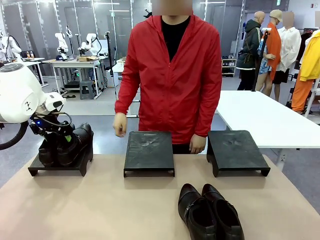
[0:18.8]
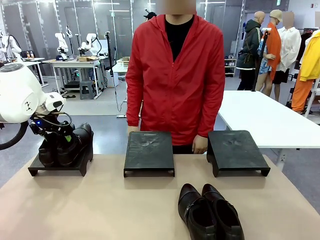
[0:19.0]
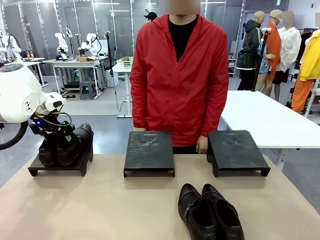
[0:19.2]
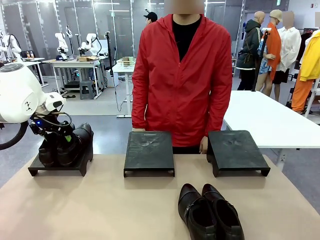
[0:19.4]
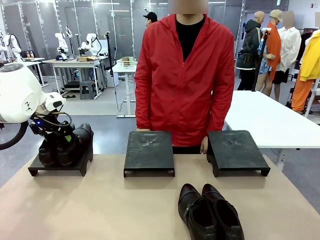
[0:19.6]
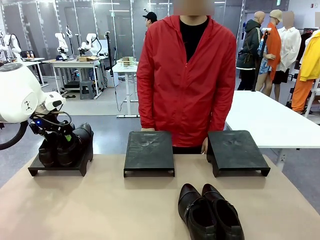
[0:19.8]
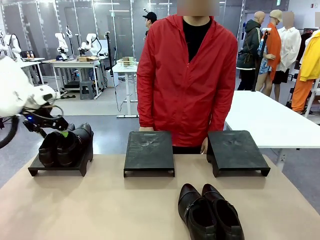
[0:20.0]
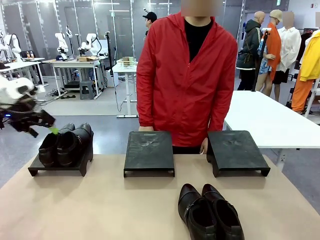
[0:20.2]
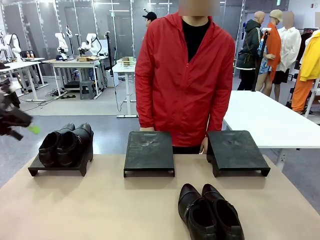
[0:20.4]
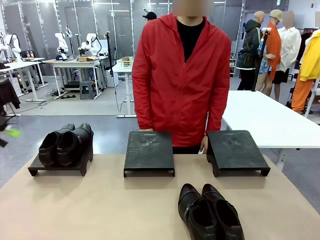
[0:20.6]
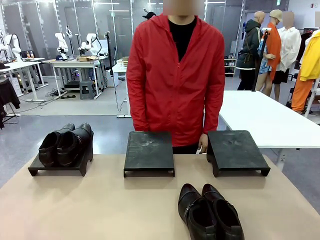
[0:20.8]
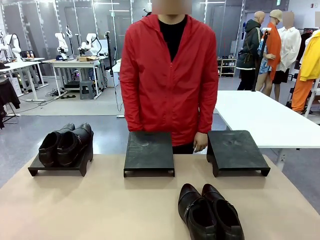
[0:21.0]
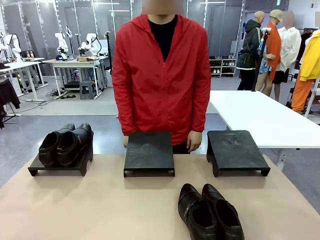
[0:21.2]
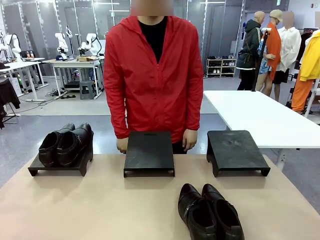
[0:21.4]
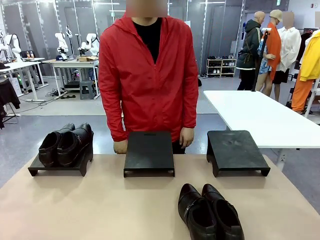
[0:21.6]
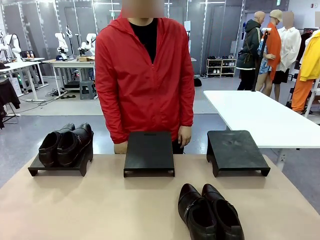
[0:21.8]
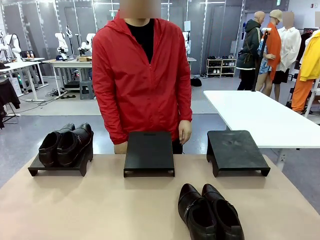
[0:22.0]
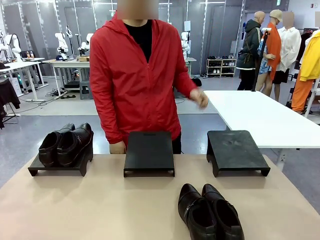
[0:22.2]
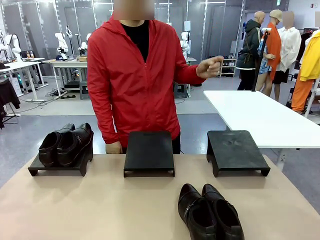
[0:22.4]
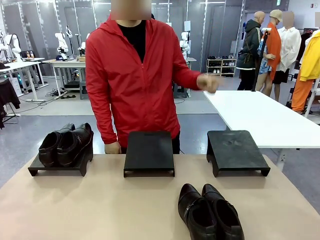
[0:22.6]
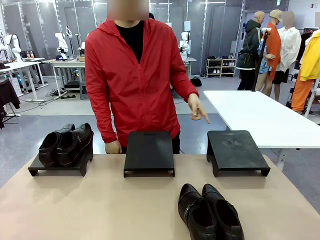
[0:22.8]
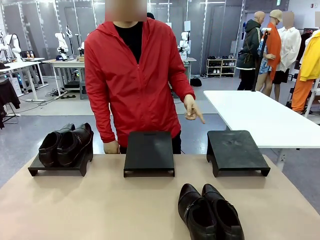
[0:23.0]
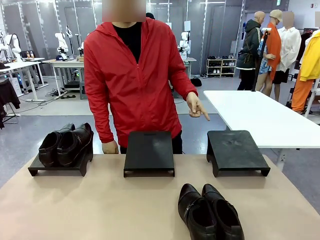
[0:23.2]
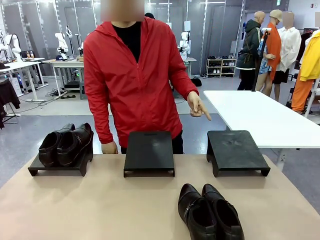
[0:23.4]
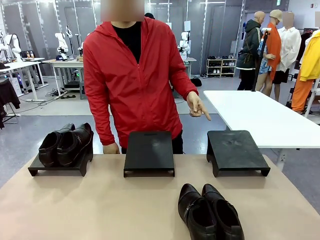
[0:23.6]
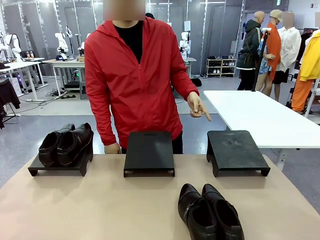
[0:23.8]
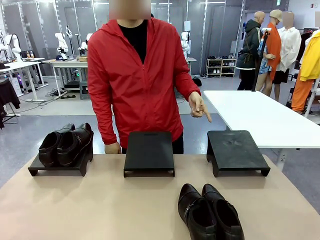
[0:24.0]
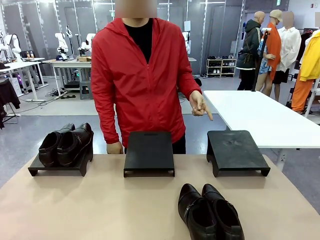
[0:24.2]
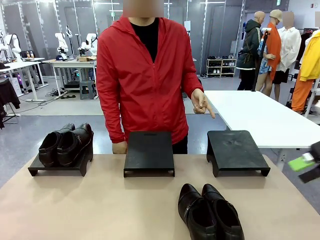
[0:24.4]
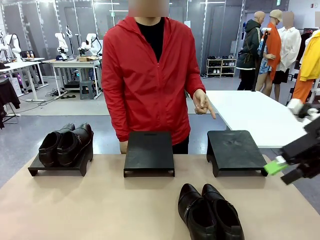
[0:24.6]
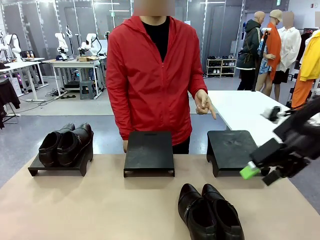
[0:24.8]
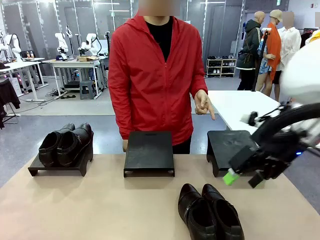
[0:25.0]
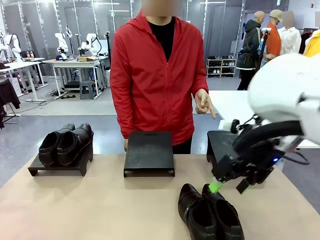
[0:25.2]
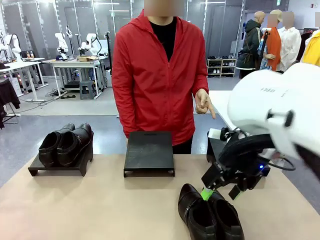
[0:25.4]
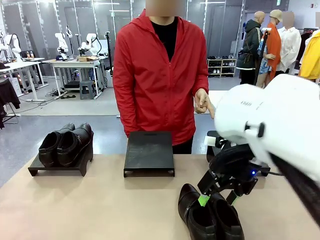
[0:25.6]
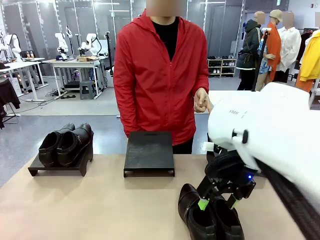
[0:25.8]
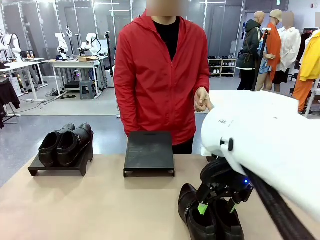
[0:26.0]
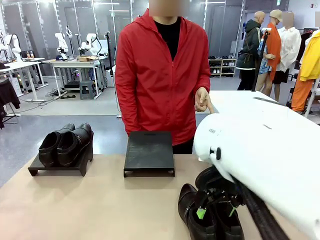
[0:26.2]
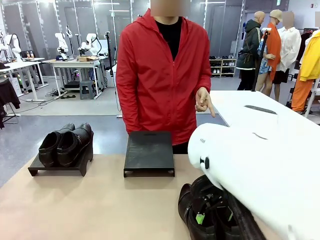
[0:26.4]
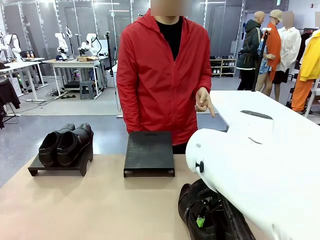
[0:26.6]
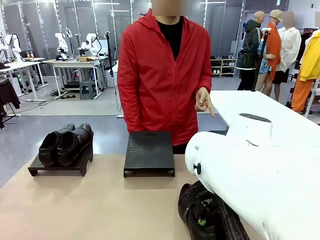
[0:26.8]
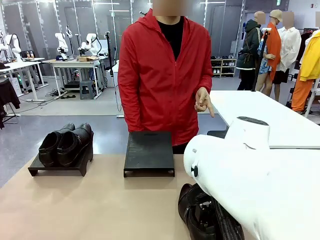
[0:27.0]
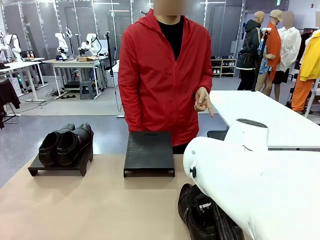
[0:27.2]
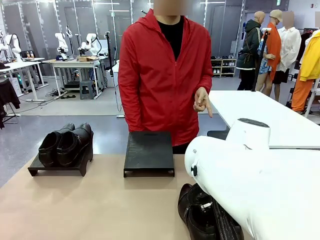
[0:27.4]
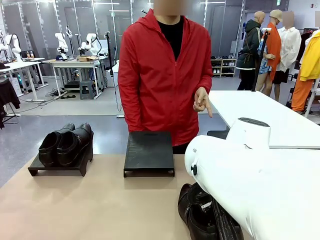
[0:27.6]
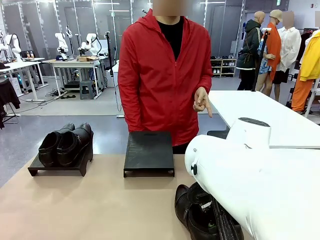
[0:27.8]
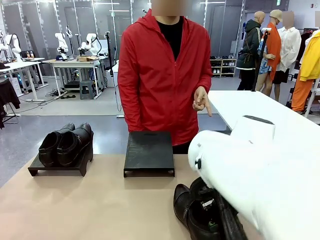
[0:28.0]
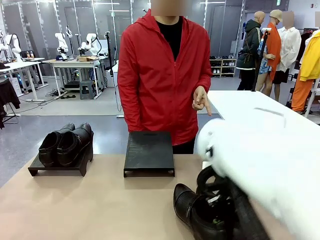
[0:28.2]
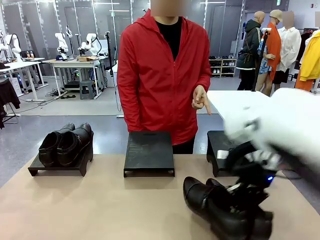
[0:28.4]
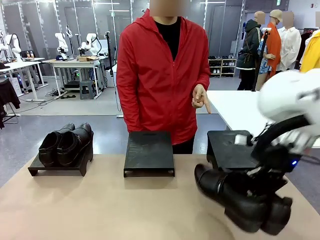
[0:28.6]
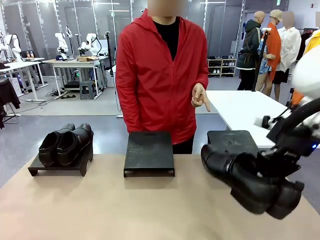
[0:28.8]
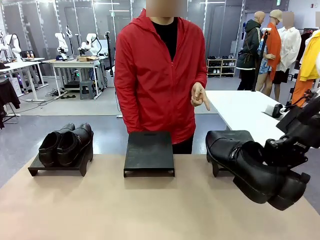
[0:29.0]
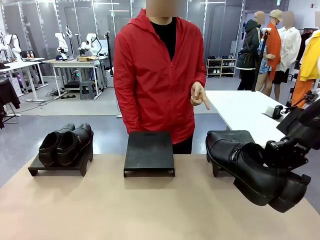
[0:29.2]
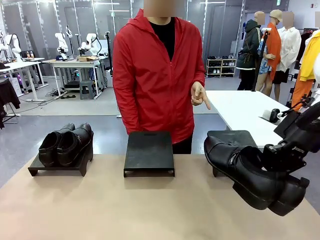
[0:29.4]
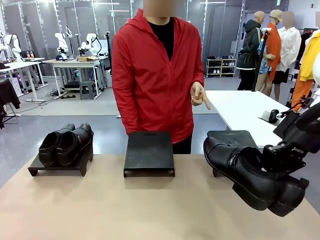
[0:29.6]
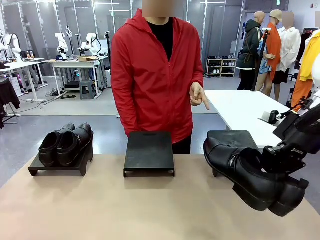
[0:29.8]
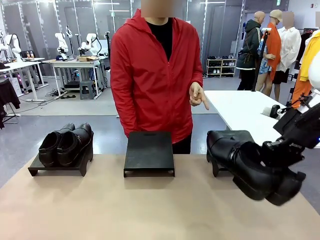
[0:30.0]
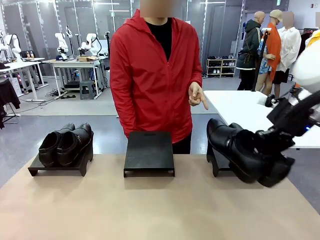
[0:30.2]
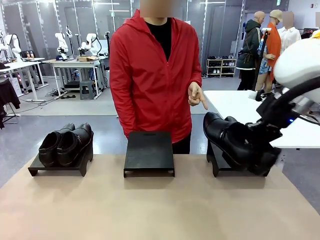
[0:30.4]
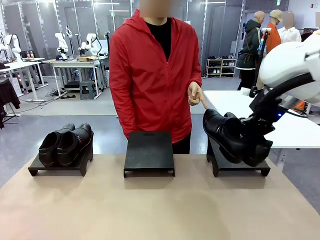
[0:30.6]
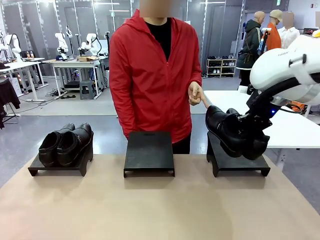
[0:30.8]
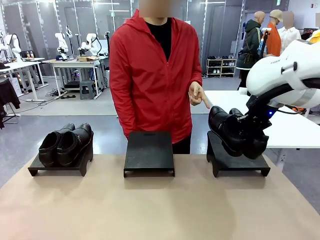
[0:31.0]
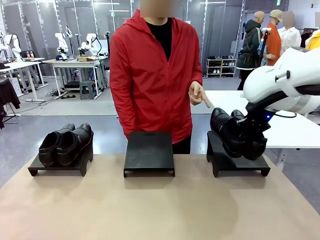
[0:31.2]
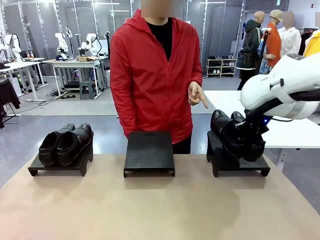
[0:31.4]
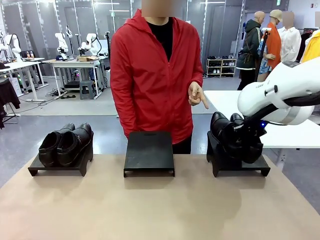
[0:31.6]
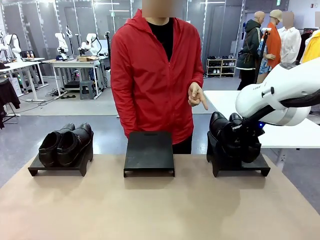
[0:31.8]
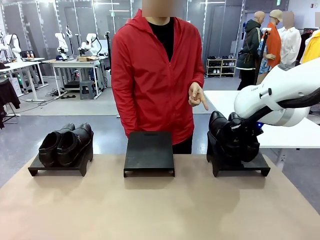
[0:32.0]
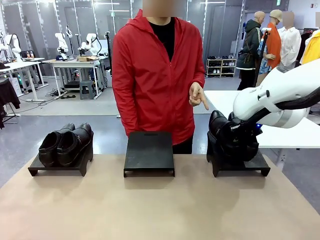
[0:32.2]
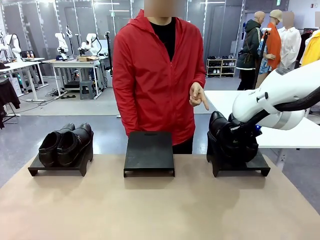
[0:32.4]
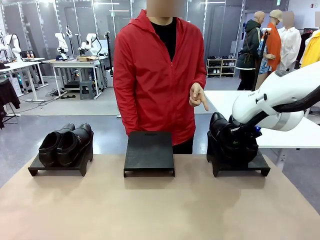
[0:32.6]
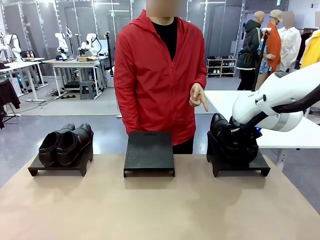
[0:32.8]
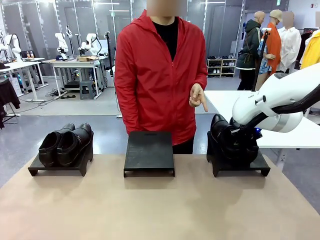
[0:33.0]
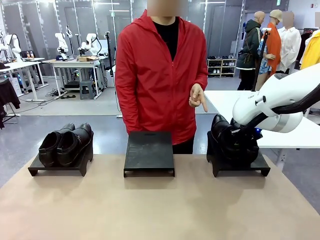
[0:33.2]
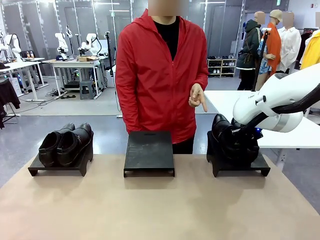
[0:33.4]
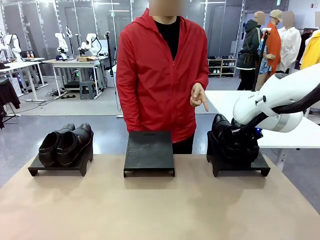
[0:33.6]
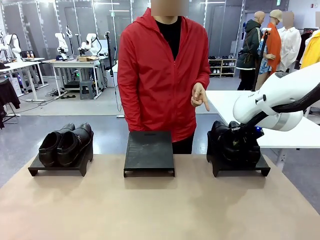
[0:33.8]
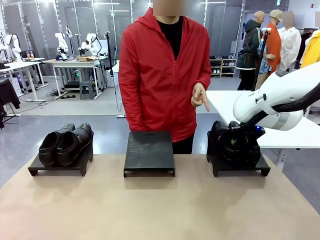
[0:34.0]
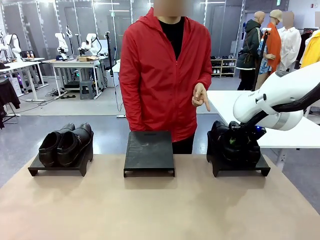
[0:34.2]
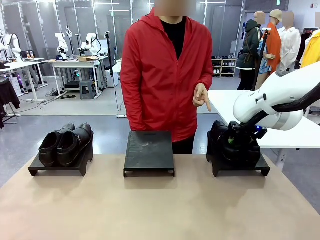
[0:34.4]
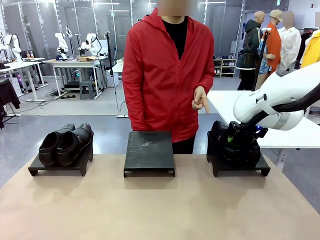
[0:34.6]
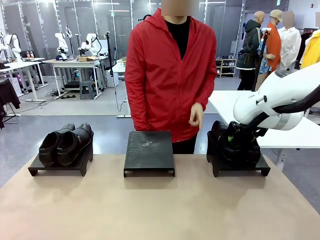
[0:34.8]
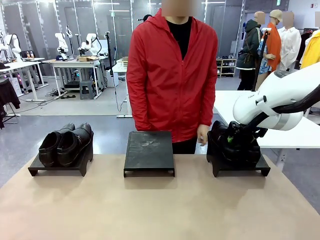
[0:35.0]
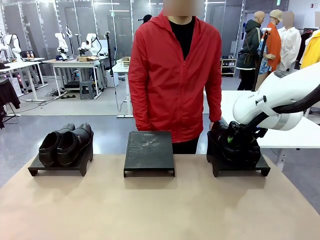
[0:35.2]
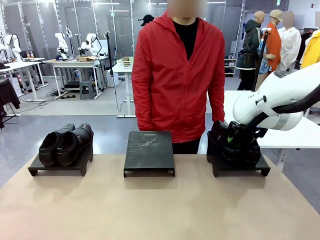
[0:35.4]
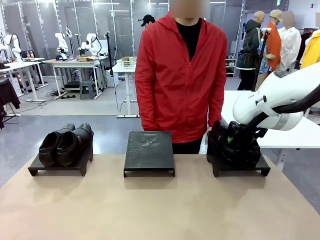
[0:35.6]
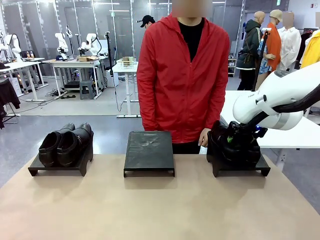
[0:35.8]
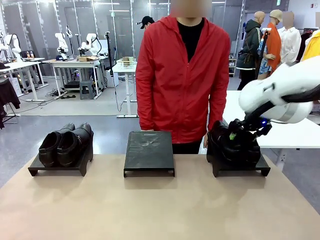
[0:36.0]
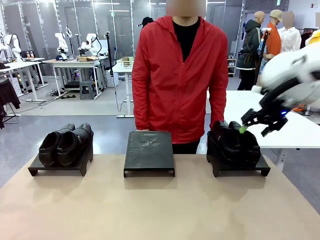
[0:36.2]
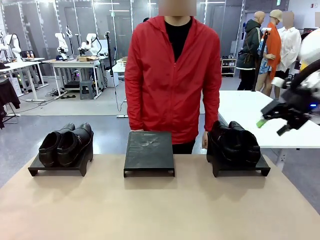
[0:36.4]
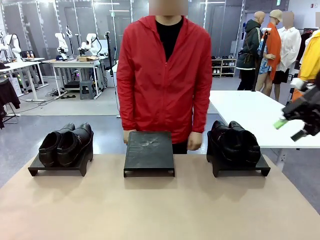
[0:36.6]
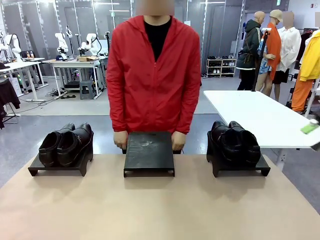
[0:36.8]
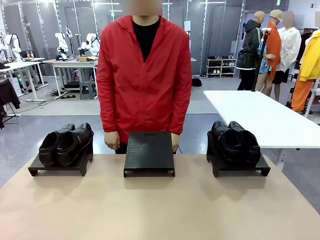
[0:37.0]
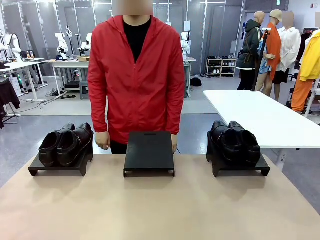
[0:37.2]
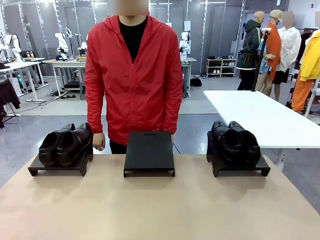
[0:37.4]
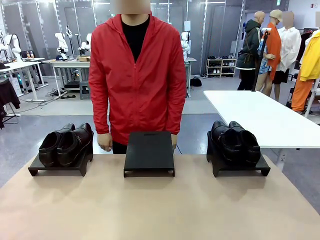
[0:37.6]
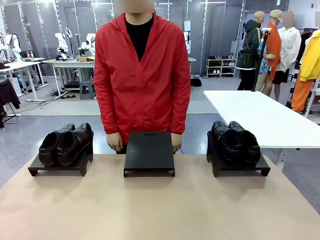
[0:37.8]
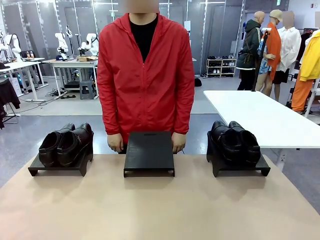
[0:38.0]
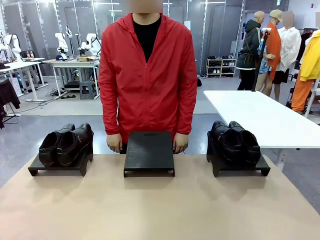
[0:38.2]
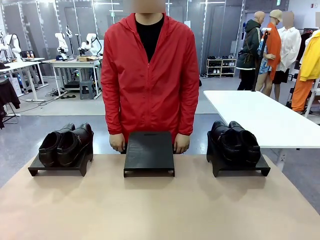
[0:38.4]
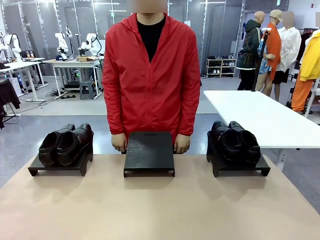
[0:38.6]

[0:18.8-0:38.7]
Task: Place the shoes on the stand as instructed by the person.
Robot: Pick up another pair of Shoes and place it on the Shoes Stand indicated by the person.
Person: Point to one Shoes Stand.
